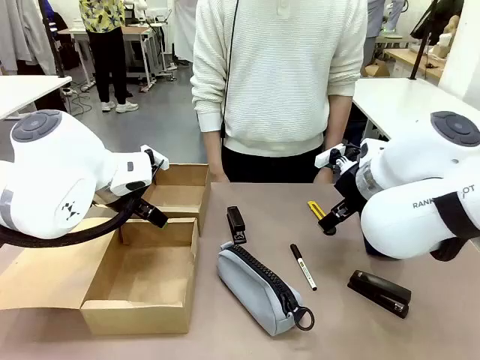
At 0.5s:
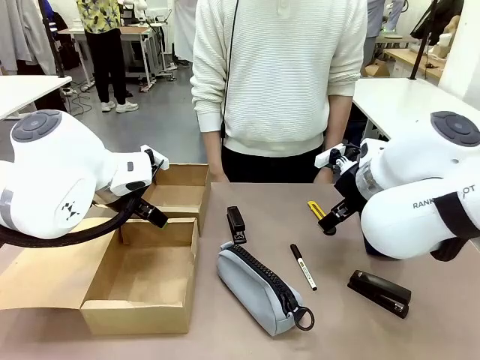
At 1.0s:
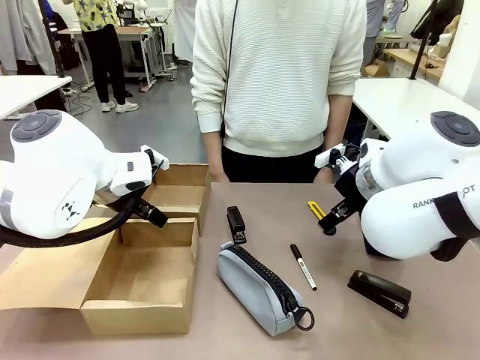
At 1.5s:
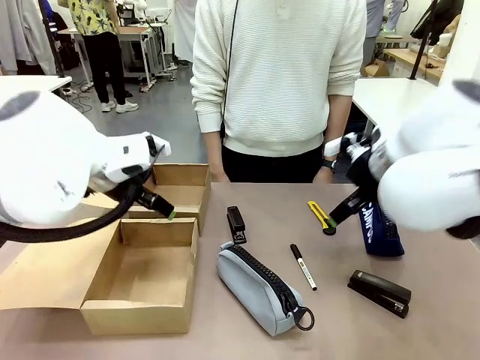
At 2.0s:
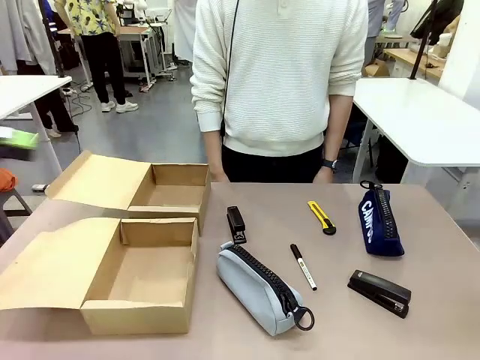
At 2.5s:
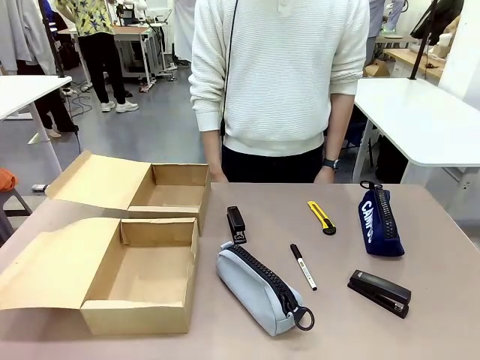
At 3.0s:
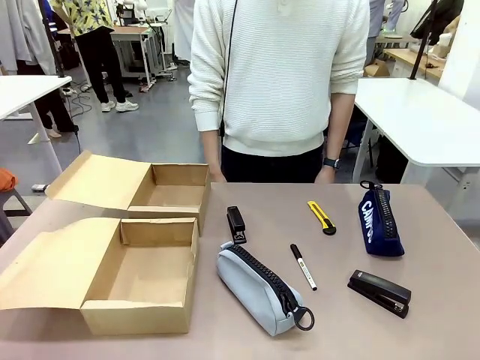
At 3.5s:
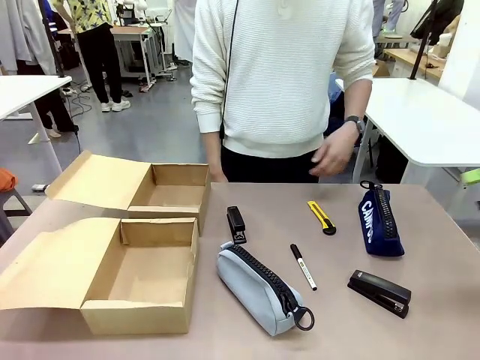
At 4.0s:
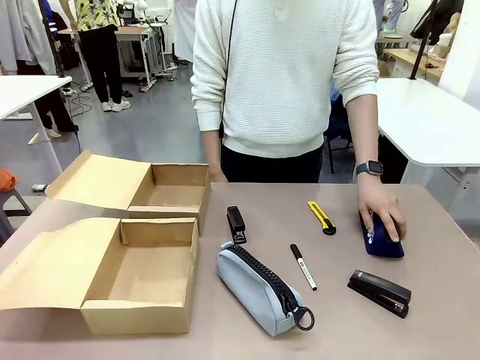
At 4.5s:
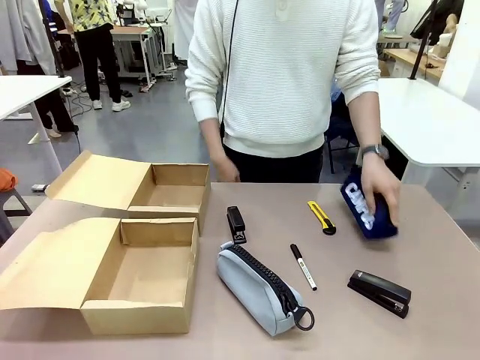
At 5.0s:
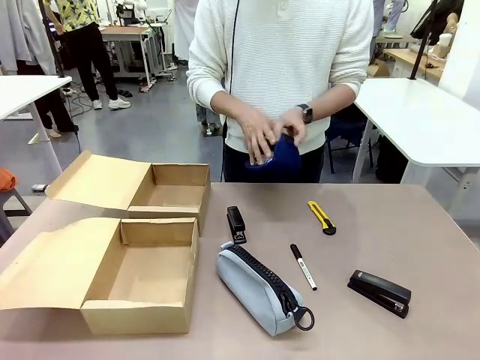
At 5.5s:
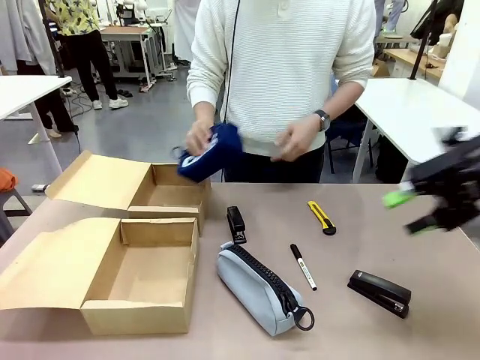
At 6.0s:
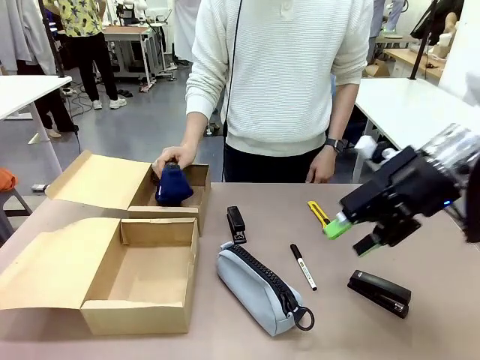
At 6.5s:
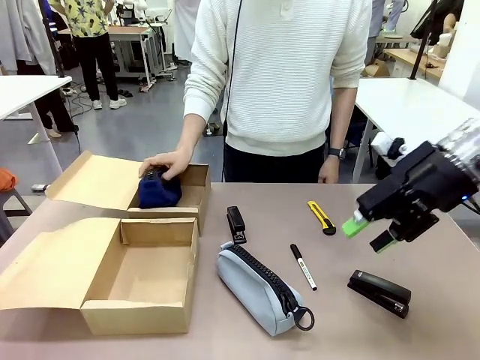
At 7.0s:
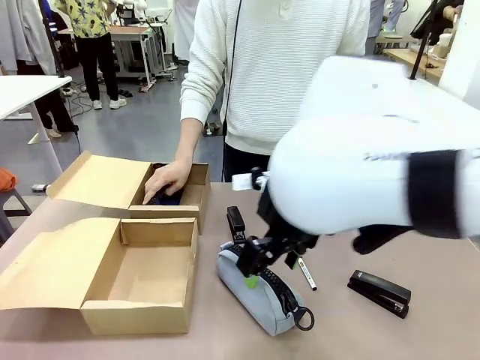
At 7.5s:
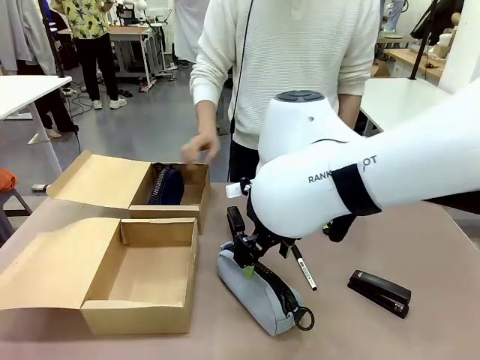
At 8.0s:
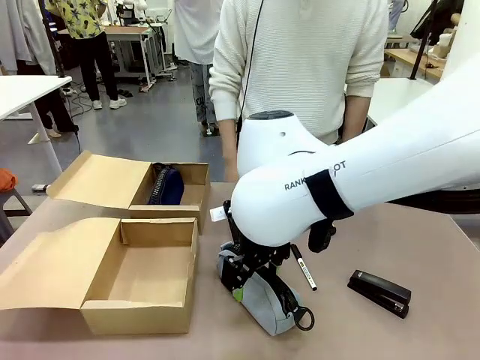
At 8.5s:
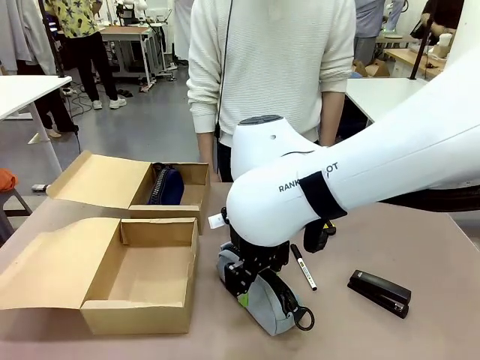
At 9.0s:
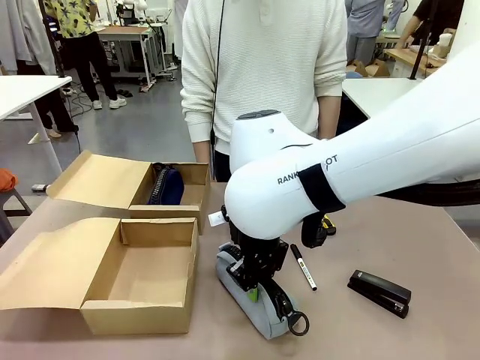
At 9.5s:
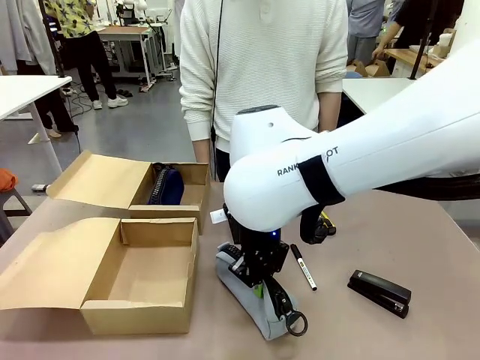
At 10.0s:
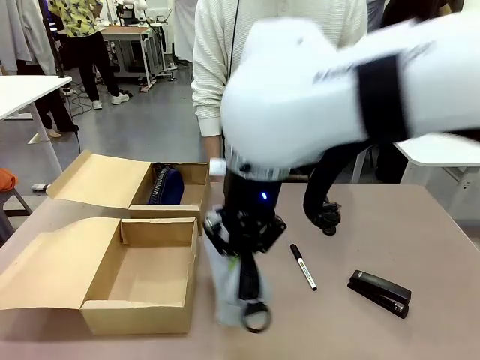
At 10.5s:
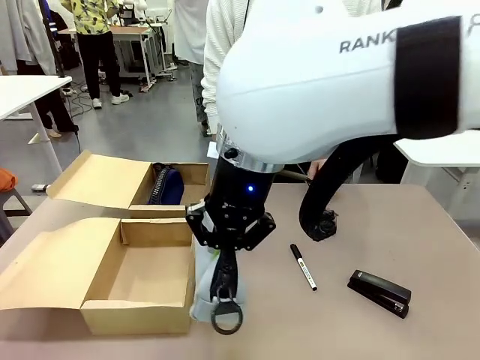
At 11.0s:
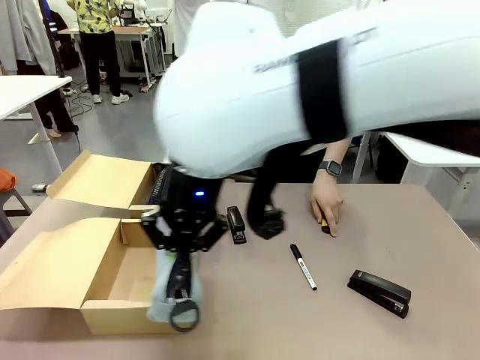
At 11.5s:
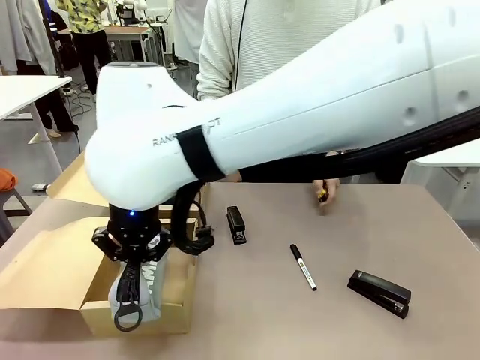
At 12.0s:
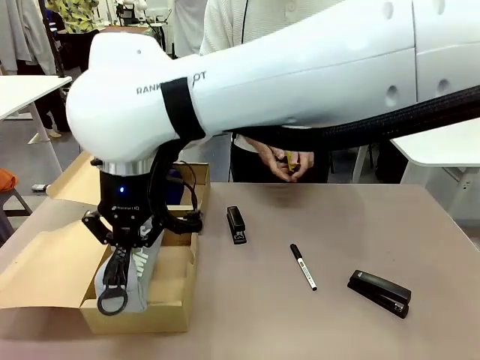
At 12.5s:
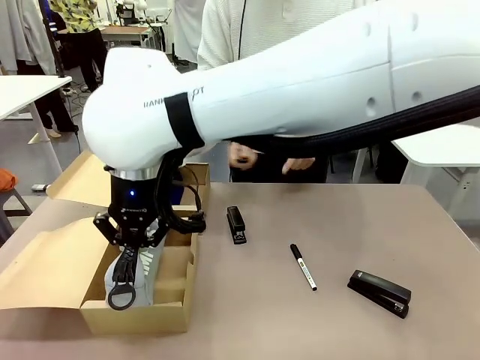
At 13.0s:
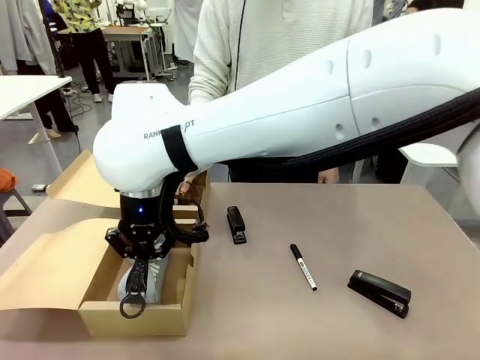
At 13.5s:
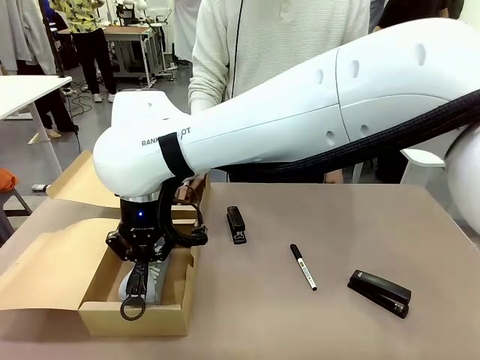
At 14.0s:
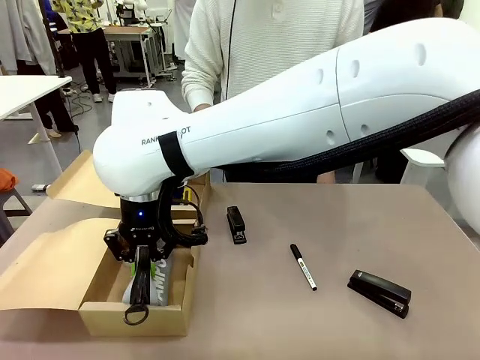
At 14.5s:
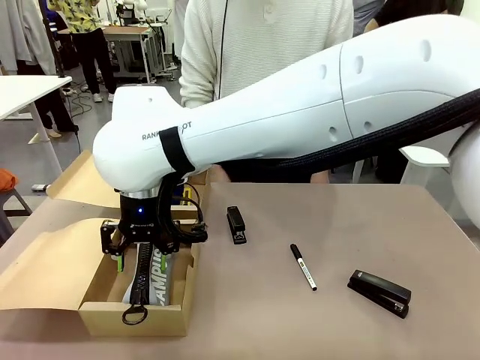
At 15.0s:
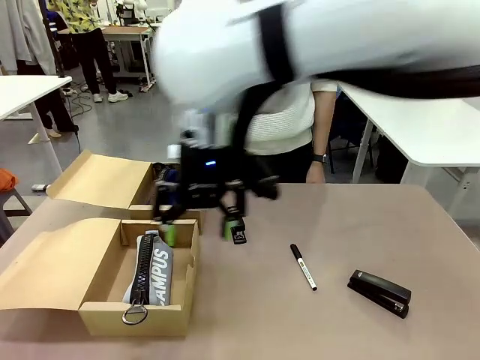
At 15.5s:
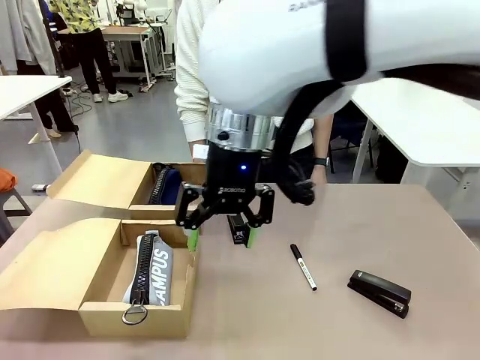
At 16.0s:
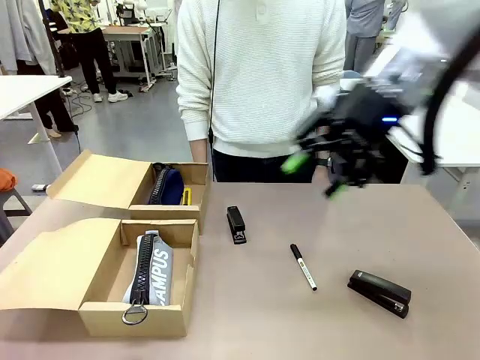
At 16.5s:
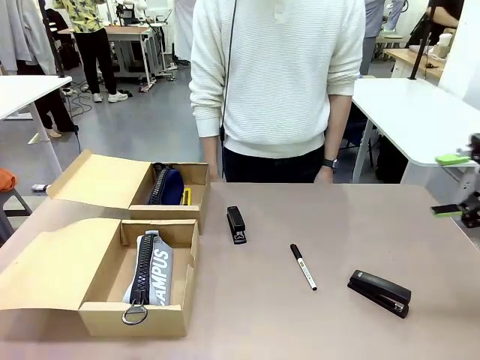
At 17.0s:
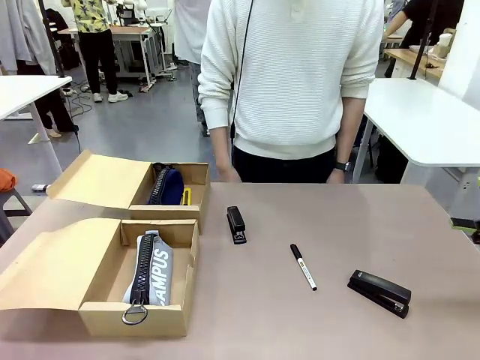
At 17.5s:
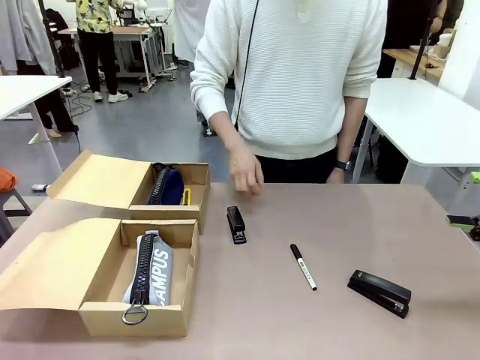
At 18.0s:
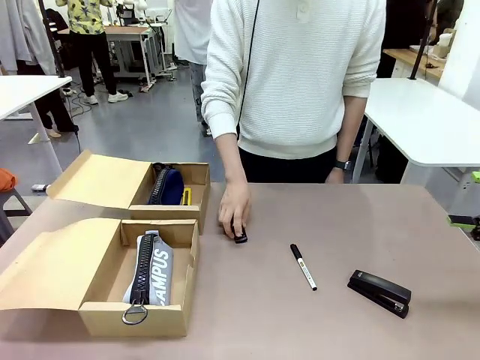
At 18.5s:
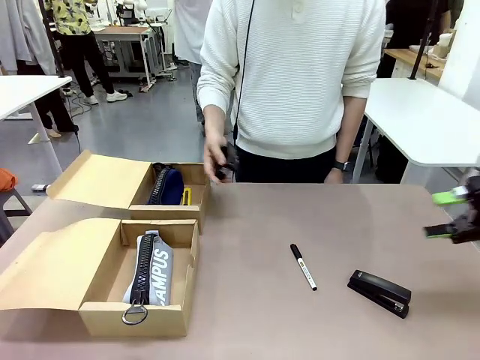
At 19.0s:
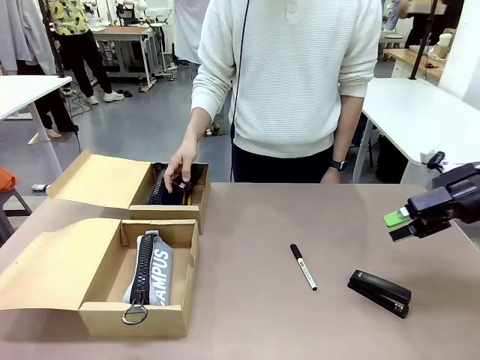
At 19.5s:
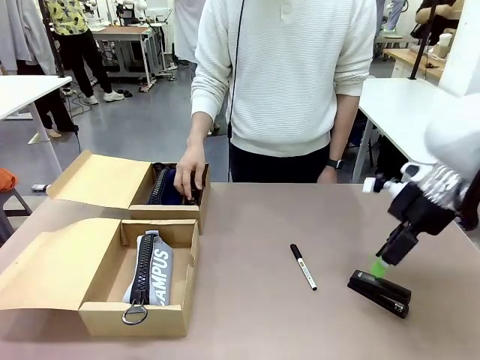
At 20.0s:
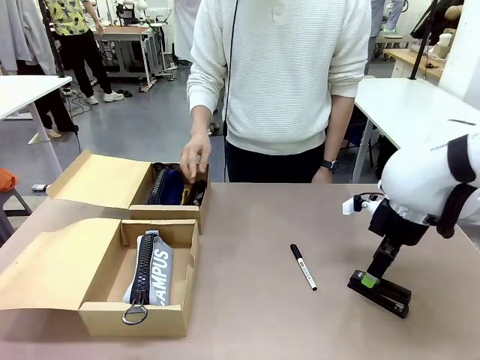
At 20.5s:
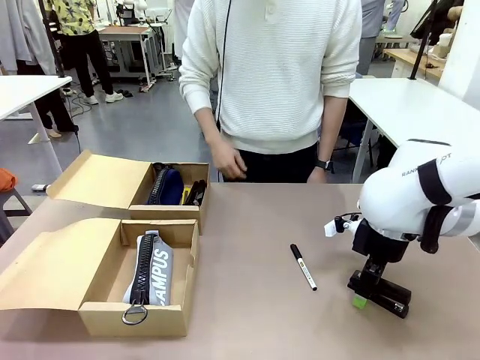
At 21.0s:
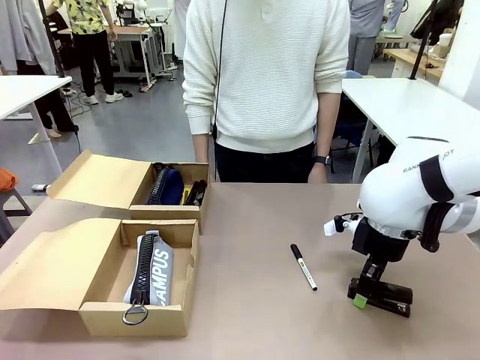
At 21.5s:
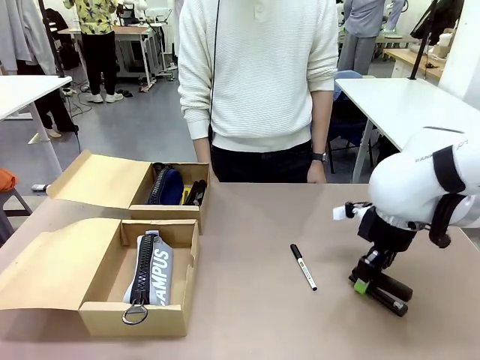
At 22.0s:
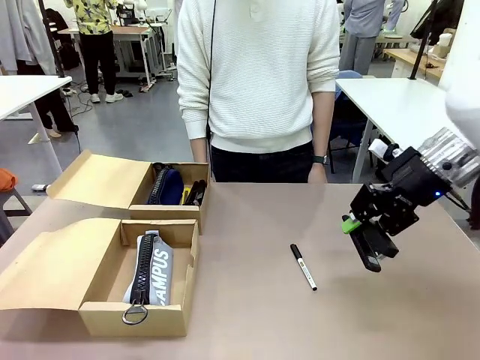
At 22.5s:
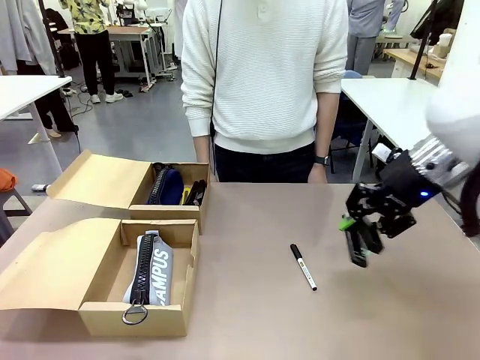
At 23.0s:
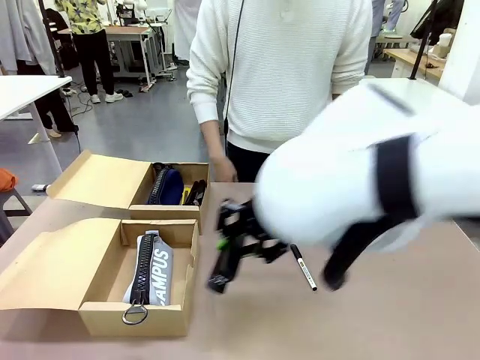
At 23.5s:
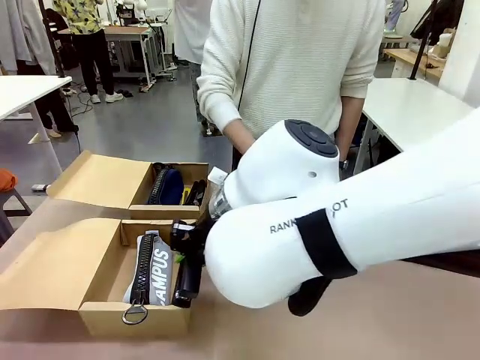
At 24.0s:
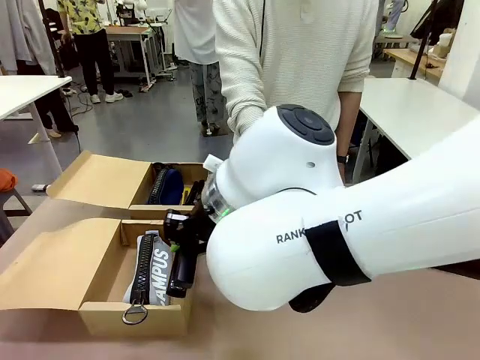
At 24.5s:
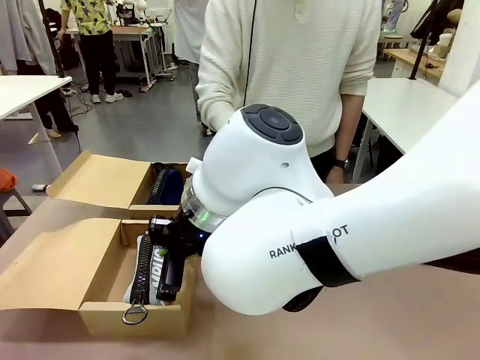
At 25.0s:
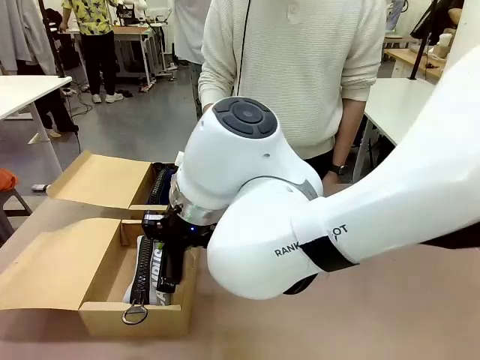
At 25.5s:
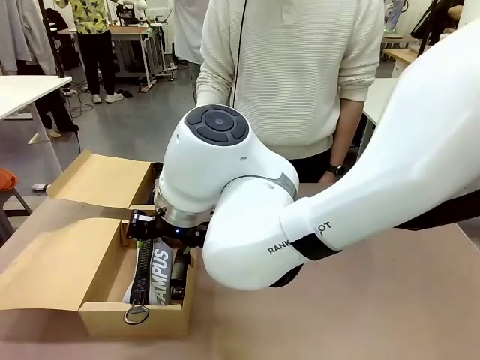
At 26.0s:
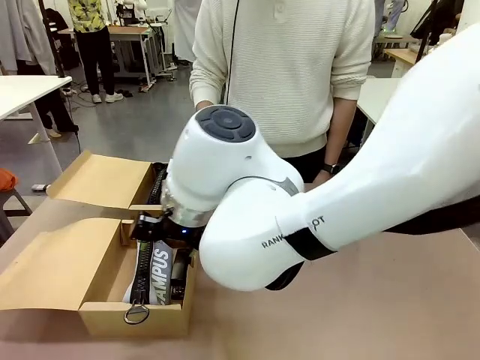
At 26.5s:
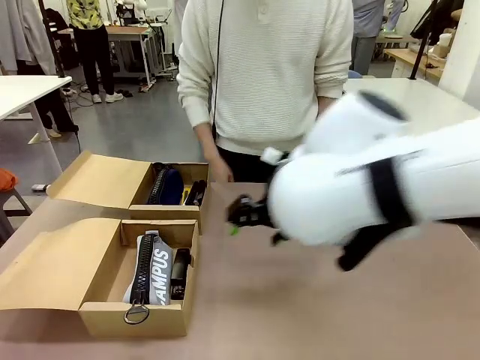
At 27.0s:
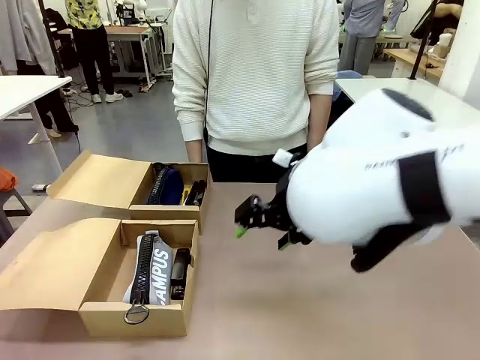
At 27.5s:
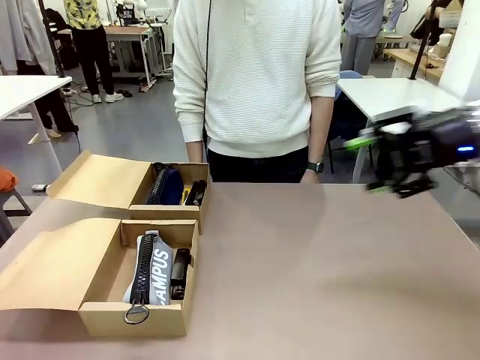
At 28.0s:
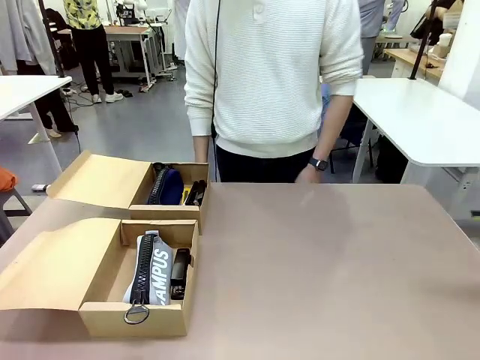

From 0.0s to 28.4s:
Task: Place items inside the box.
Robot: Pick up a Pencil pouch or Stapler and place it inside the Mailer Box closest to the robot.
Person: Pick up an object on the table and put it in the box.
